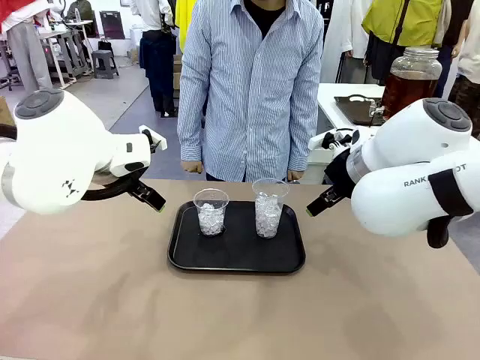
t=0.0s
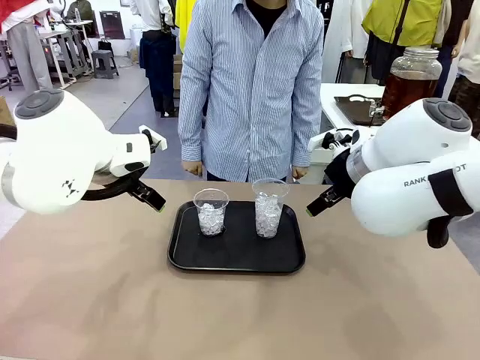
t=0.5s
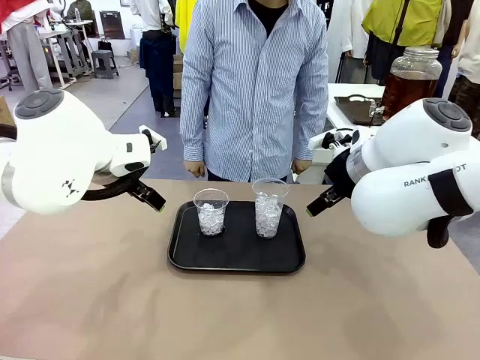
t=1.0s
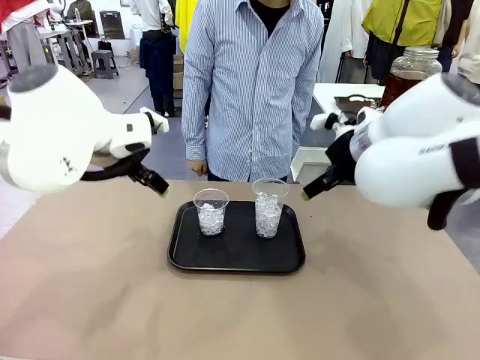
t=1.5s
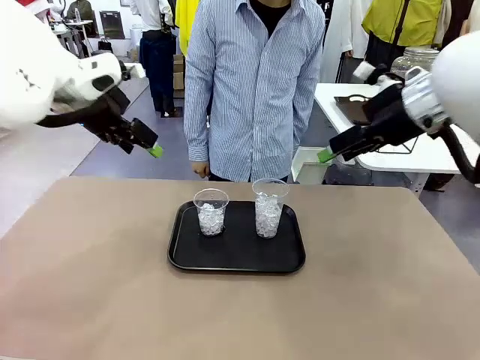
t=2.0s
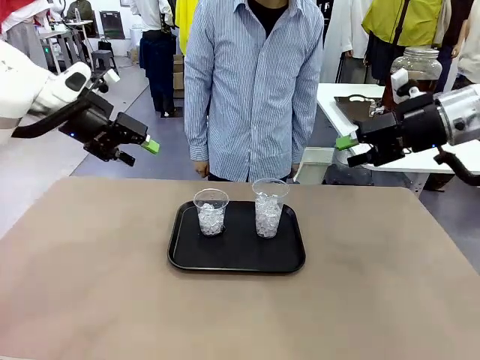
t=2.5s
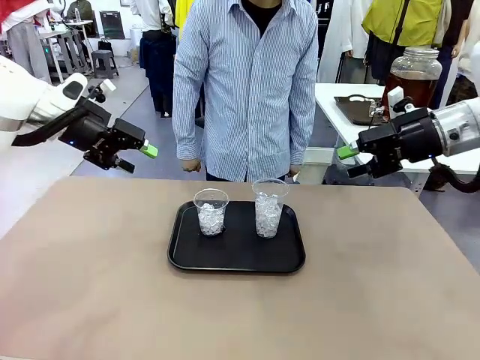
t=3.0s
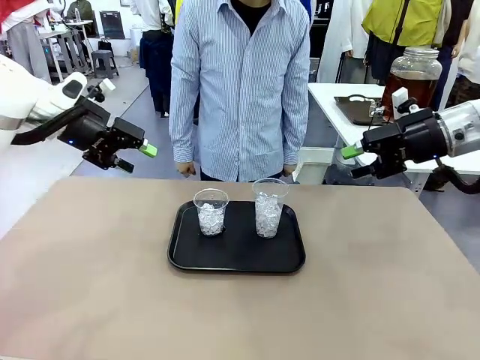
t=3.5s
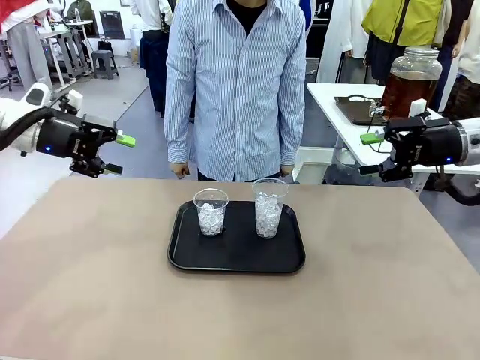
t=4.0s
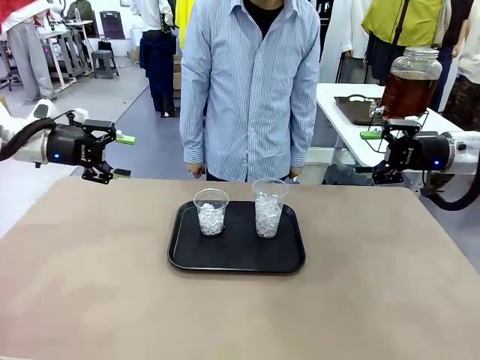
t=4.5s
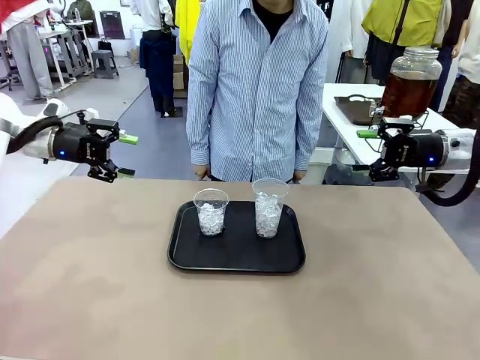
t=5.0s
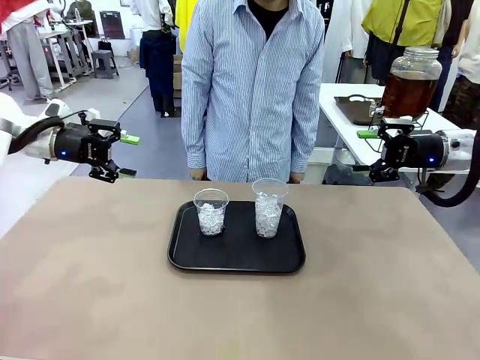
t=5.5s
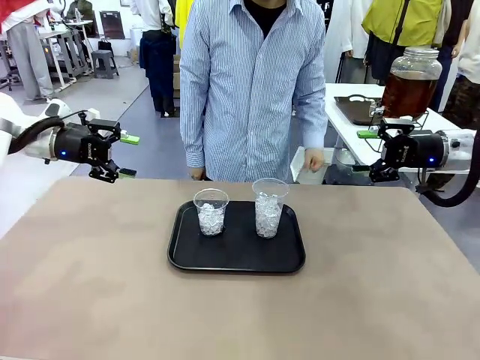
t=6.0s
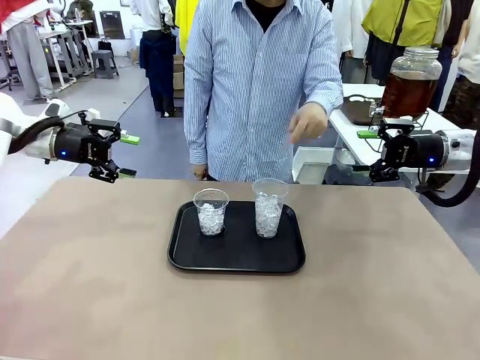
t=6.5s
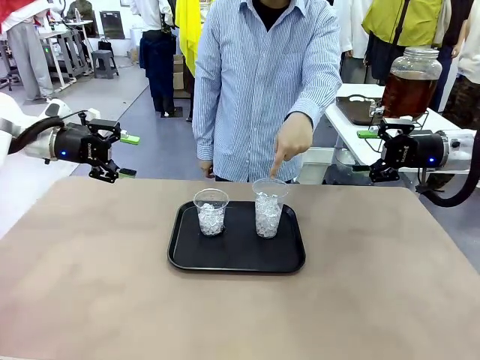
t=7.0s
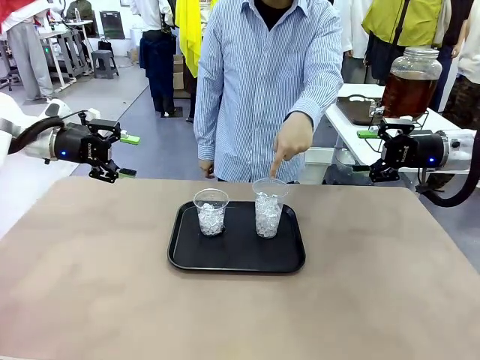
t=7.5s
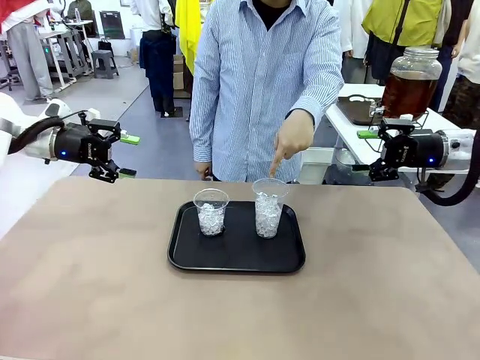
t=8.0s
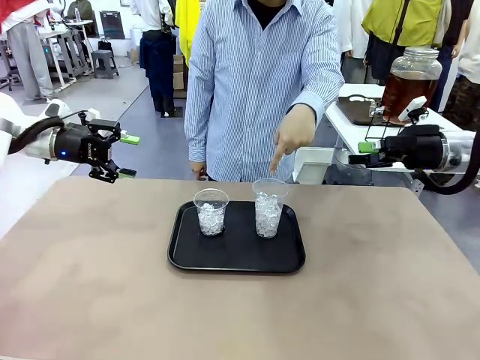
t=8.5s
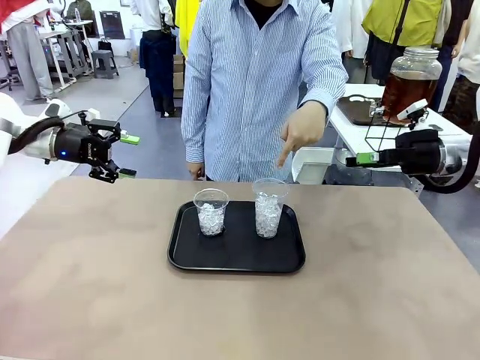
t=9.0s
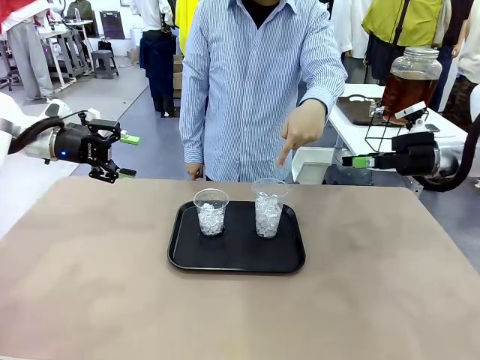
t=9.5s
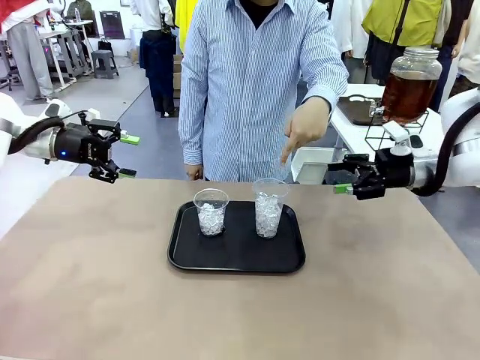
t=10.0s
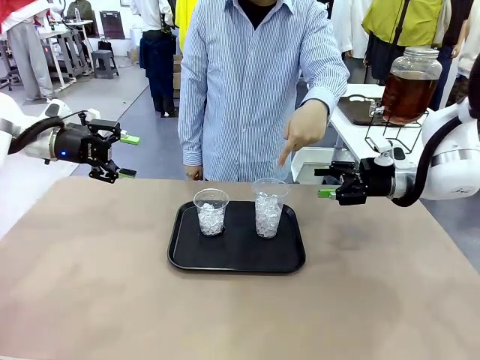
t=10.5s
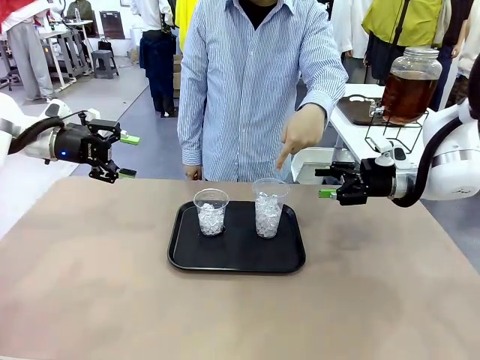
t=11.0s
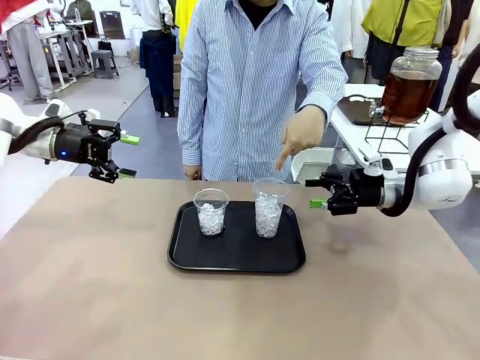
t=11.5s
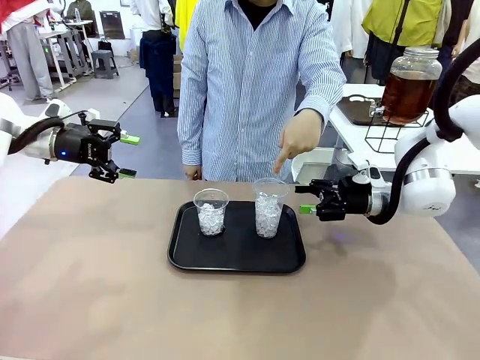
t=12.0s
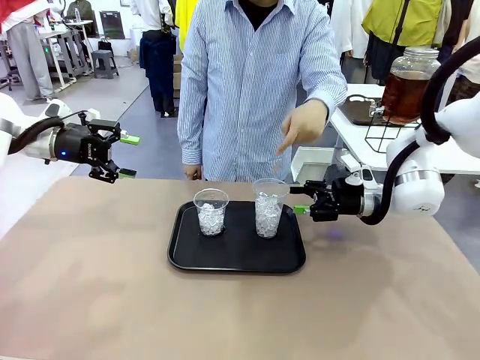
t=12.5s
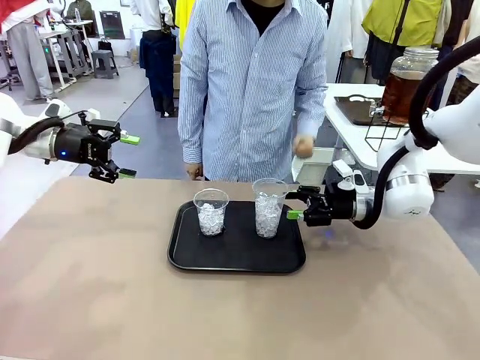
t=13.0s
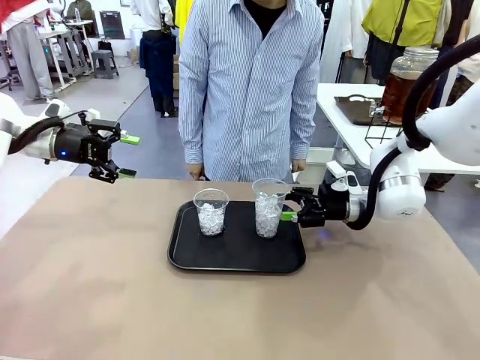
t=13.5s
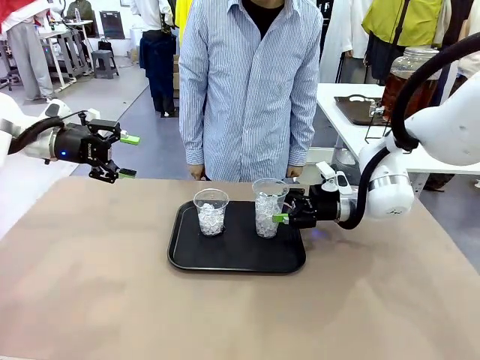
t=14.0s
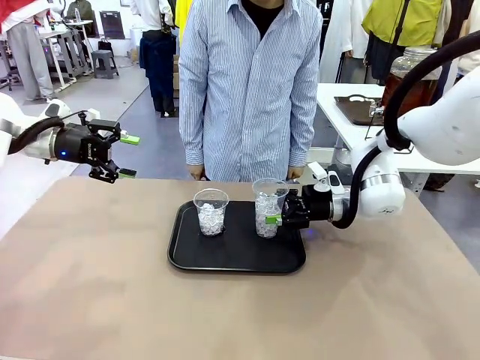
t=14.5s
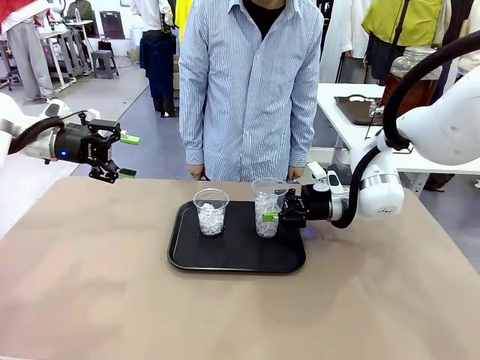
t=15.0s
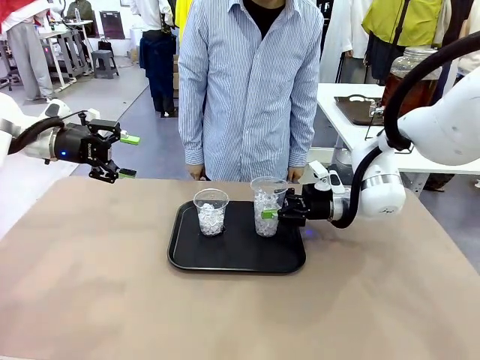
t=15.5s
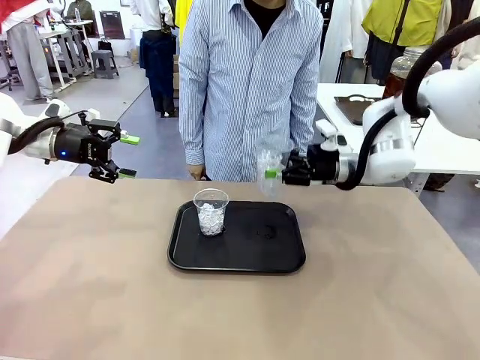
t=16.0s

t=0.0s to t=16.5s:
Task: Pour the drink into the iced cup.
Robot: Pick up the iced cup indicated by the human and present it to them.
Person: Point to one of the two ice cups. Pick up the cup offered by the robot.

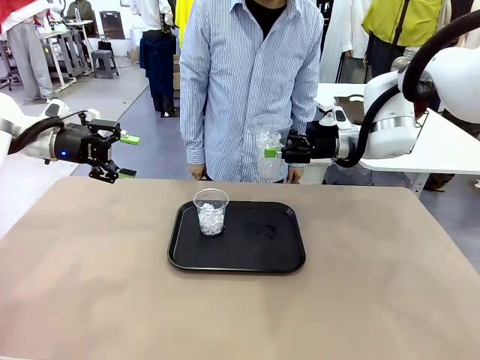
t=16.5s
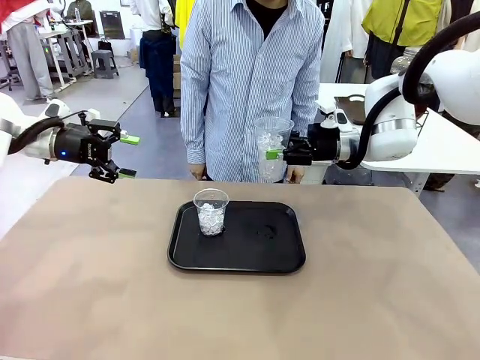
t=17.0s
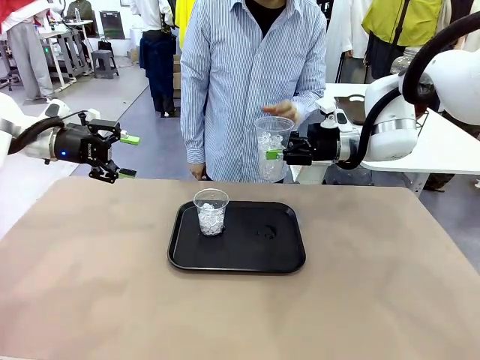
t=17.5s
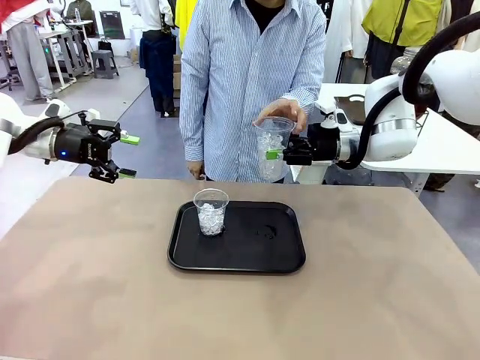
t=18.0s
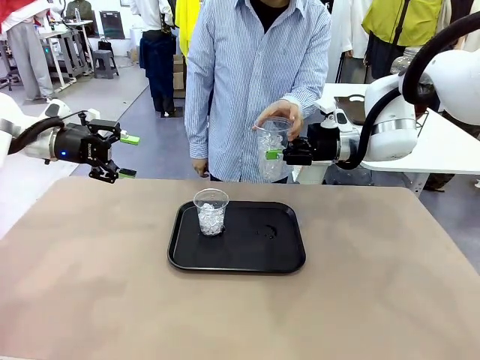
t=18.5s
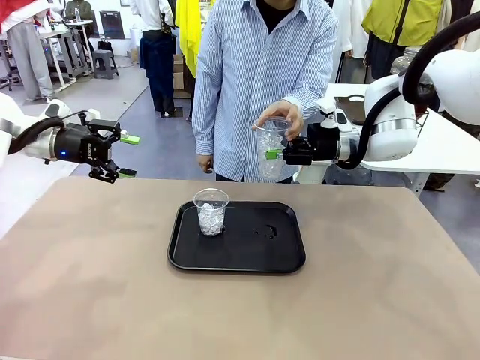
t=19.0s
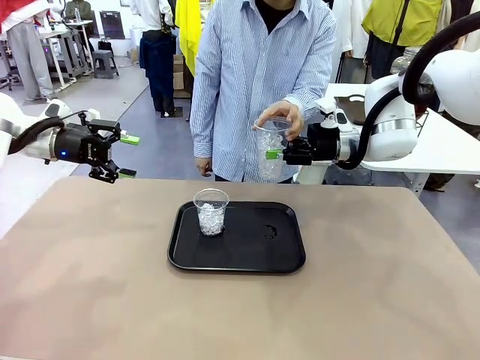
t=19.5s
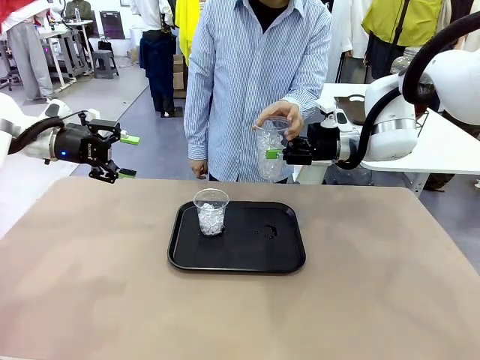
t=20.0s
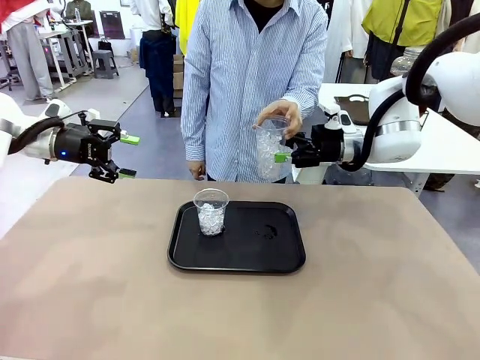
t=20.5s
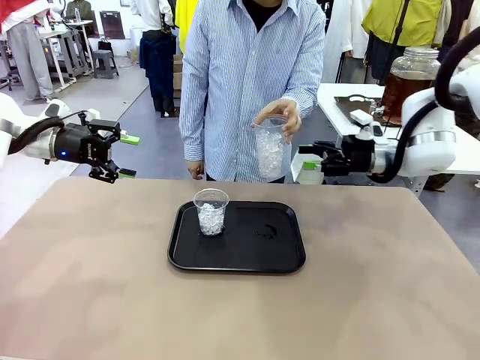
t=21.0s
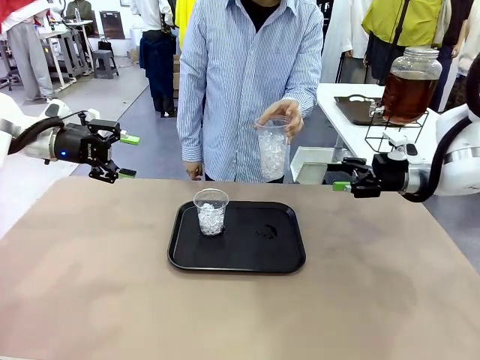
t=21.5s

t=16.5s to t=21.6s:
Robot: Open the gripper to release the iced cup you were holding.

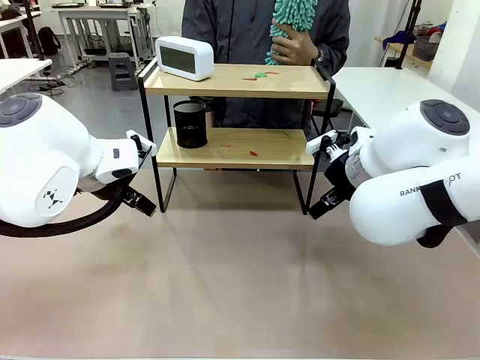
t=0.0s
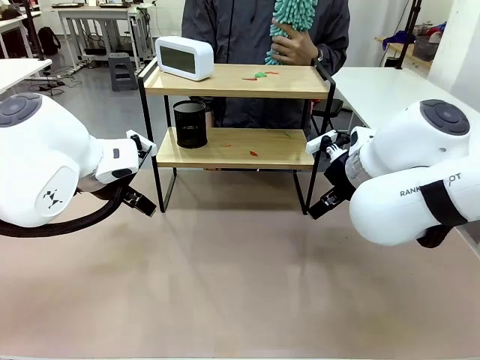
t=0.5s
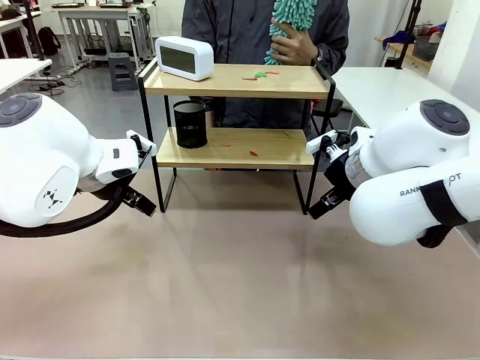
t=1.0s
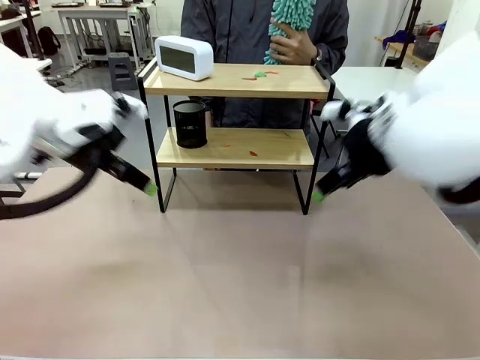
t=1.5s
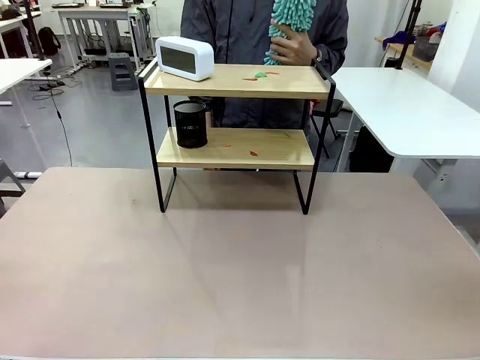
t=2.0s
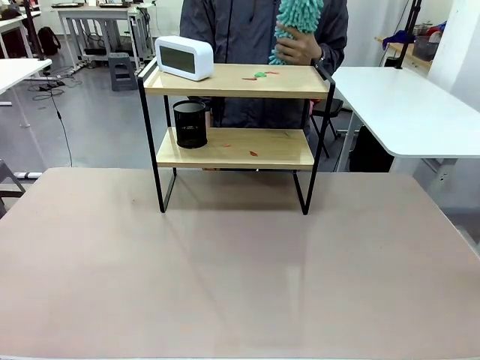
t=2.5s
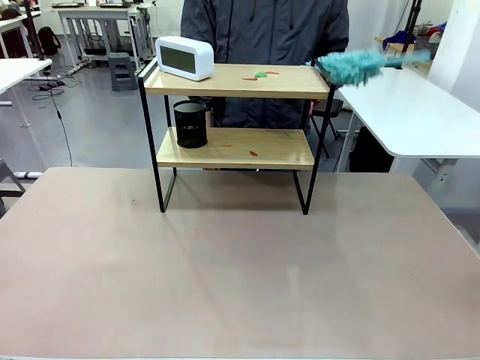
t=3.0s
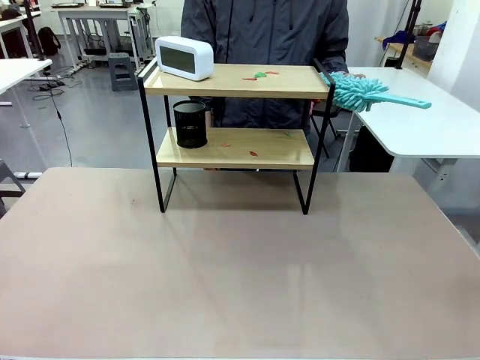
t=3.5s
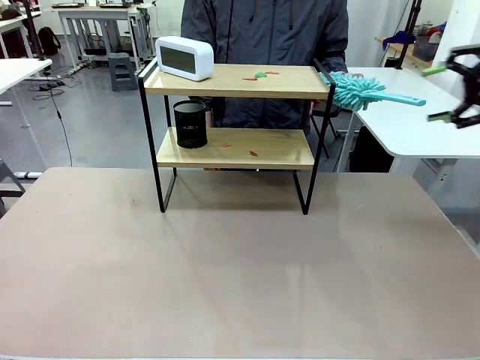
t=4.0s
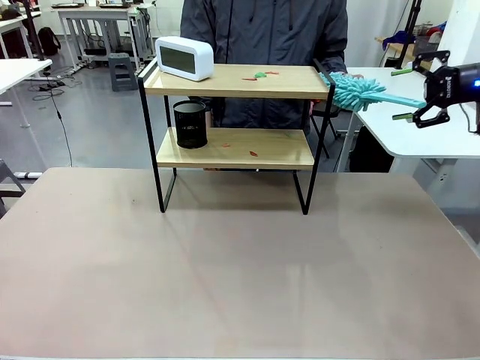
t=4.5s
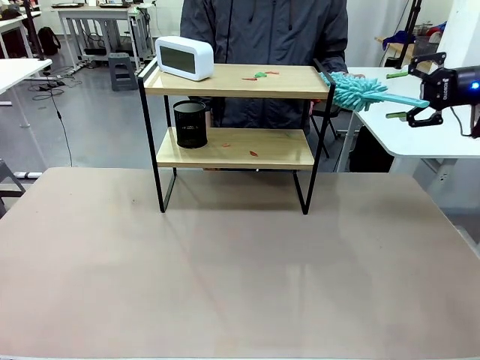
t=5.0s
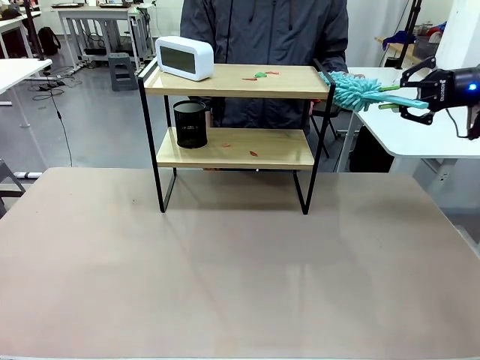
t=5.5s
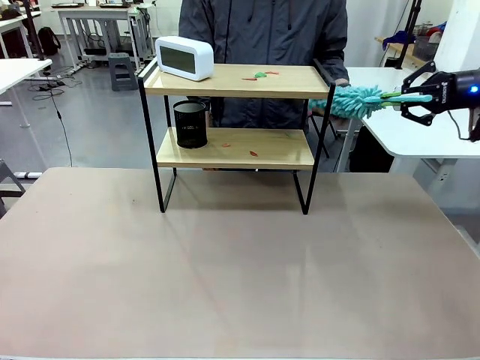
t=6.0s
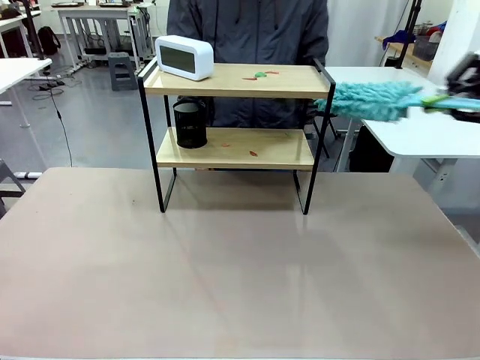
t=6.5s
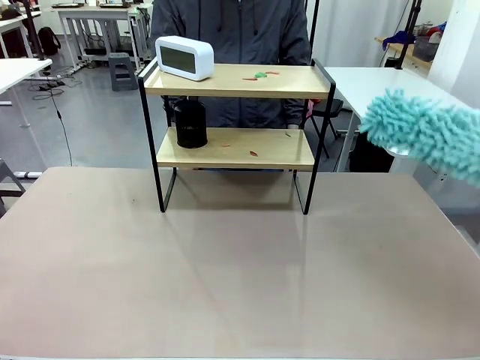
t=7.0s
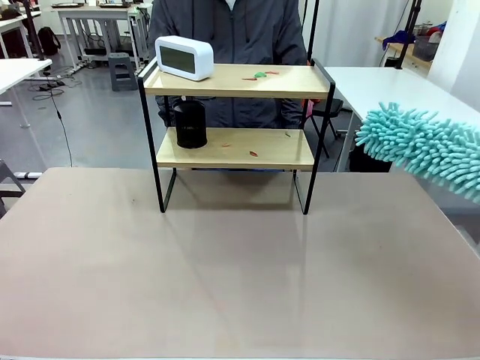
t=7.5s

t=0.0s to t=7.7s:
Task: Clean the shelf.
Robot: Pick up the Duster from the human.
Person: Hand the Duster to the robot.
